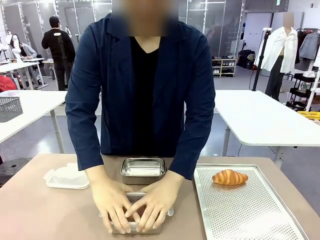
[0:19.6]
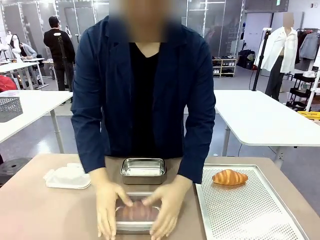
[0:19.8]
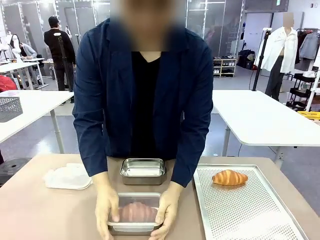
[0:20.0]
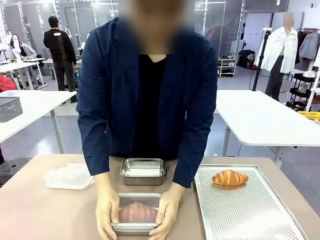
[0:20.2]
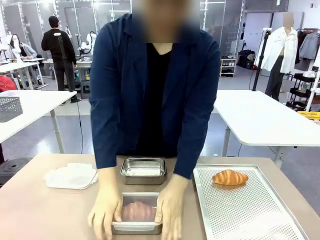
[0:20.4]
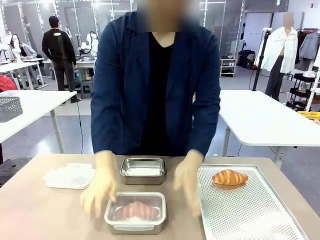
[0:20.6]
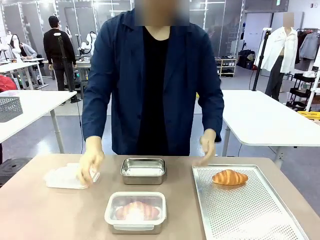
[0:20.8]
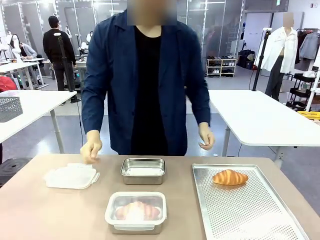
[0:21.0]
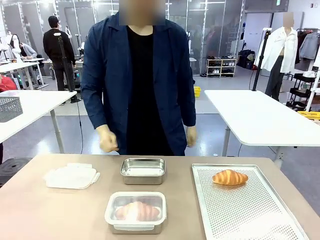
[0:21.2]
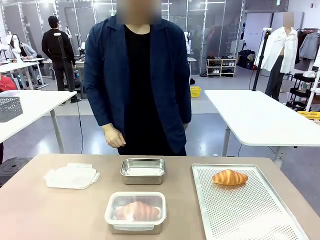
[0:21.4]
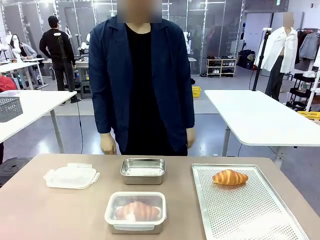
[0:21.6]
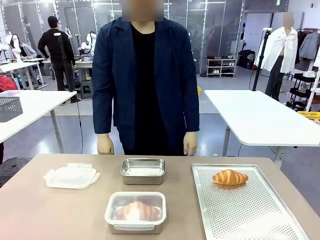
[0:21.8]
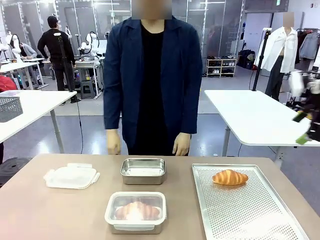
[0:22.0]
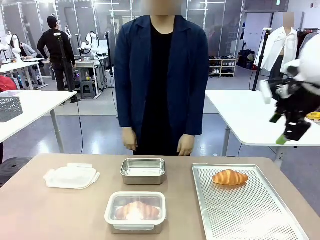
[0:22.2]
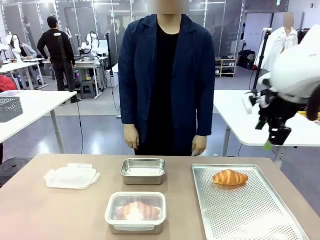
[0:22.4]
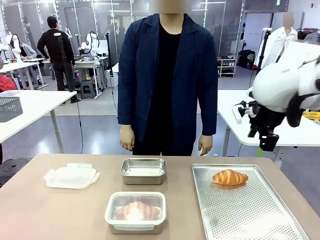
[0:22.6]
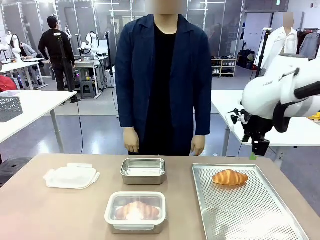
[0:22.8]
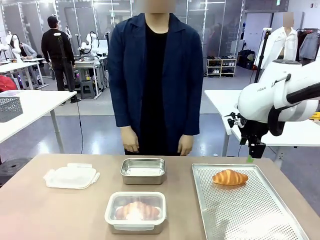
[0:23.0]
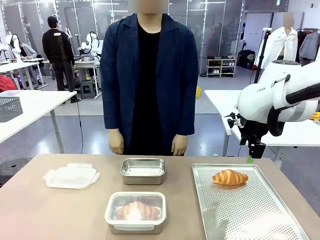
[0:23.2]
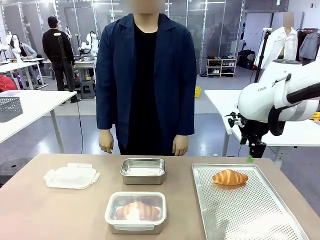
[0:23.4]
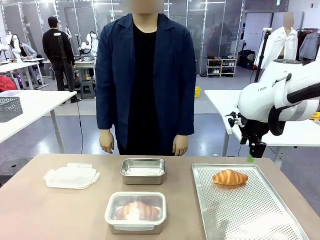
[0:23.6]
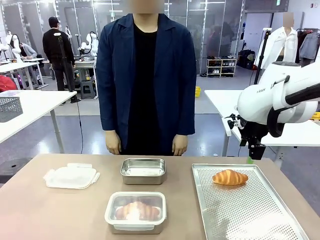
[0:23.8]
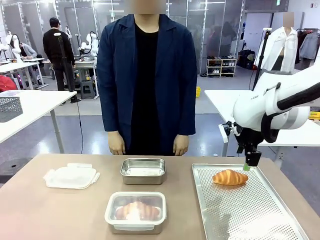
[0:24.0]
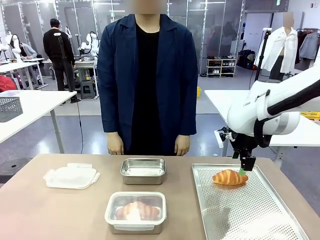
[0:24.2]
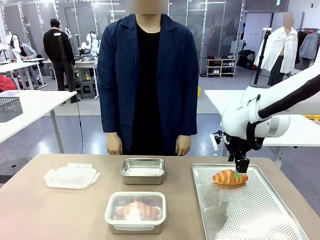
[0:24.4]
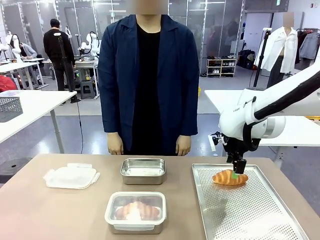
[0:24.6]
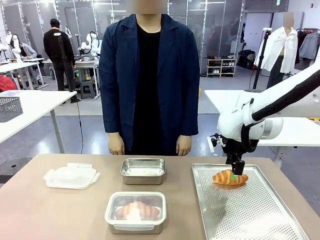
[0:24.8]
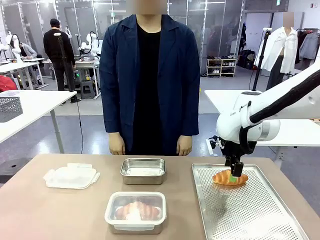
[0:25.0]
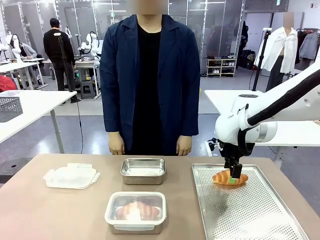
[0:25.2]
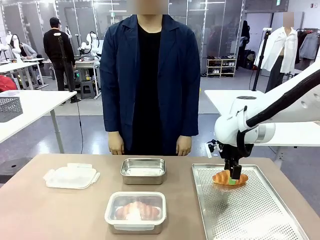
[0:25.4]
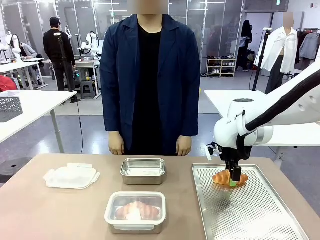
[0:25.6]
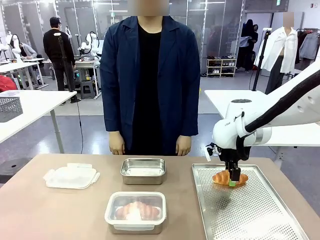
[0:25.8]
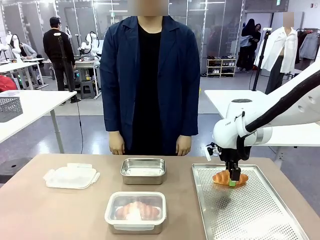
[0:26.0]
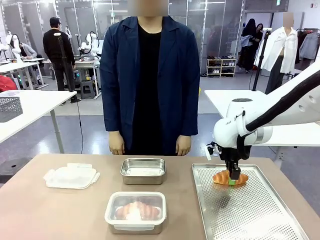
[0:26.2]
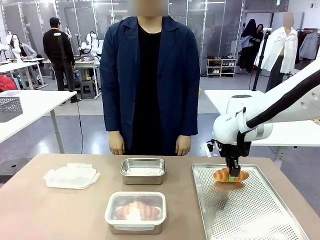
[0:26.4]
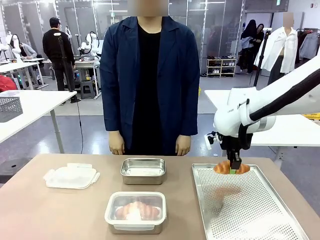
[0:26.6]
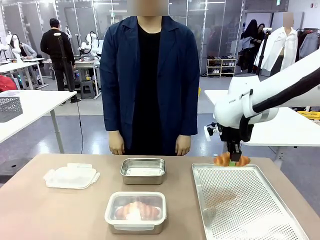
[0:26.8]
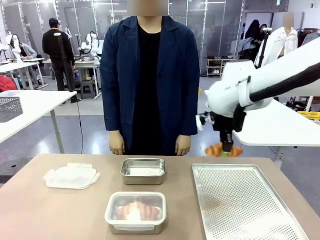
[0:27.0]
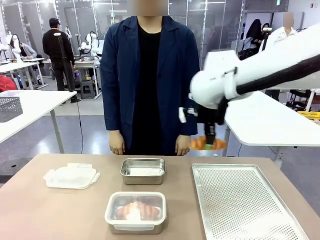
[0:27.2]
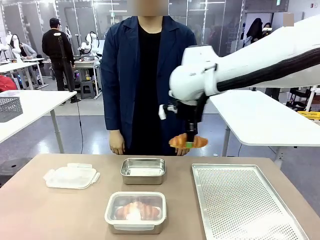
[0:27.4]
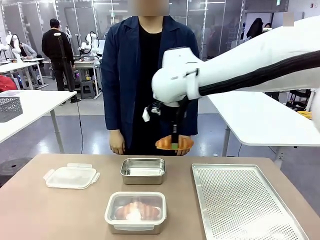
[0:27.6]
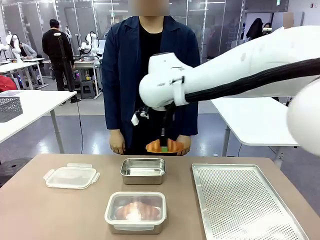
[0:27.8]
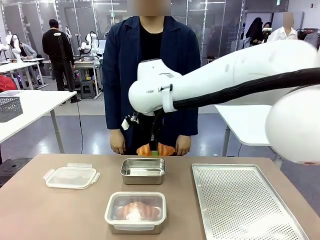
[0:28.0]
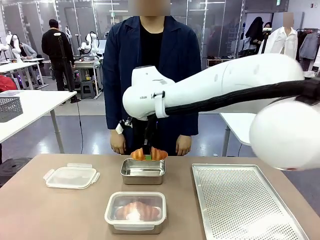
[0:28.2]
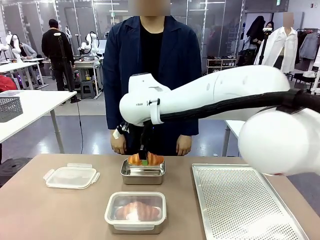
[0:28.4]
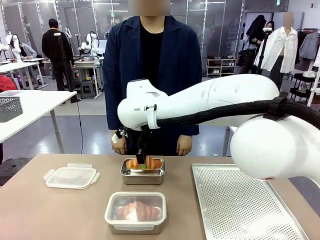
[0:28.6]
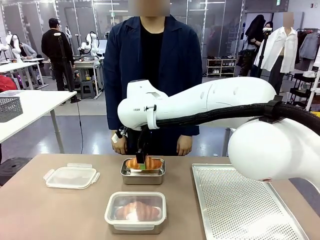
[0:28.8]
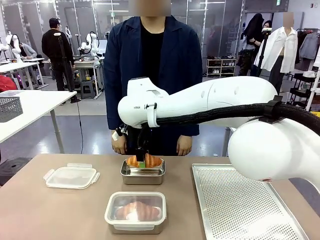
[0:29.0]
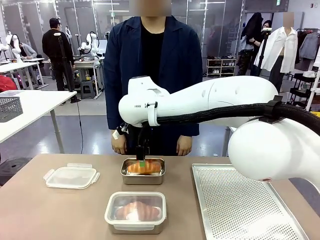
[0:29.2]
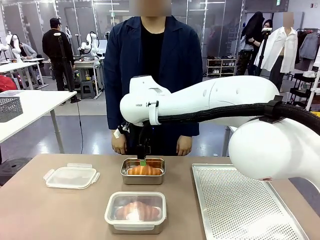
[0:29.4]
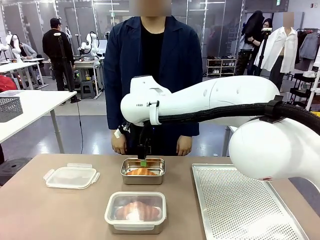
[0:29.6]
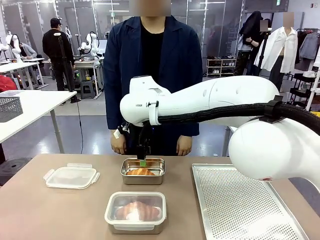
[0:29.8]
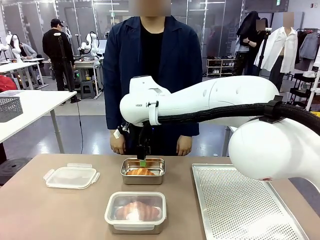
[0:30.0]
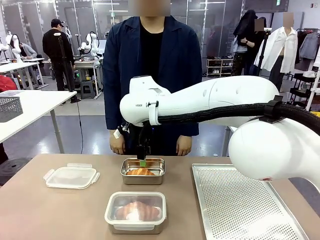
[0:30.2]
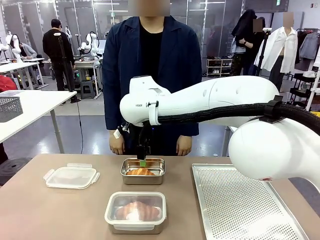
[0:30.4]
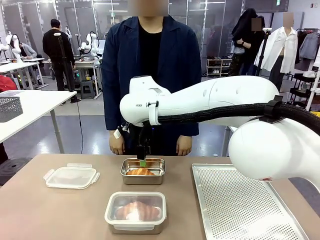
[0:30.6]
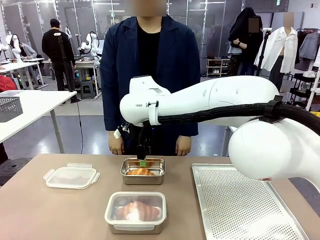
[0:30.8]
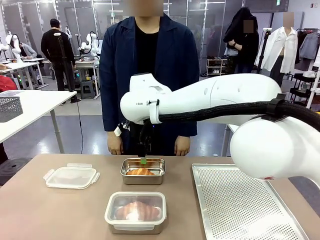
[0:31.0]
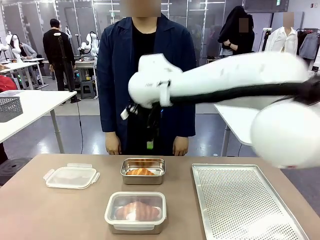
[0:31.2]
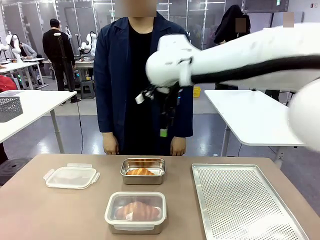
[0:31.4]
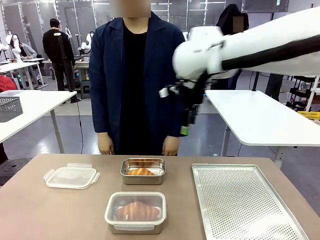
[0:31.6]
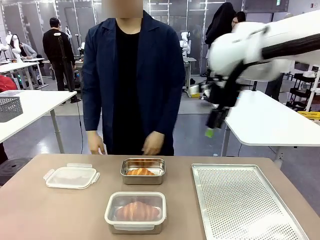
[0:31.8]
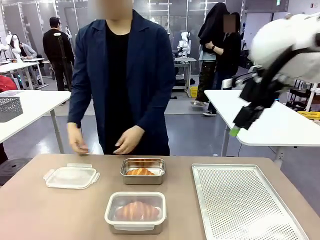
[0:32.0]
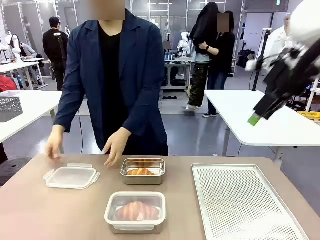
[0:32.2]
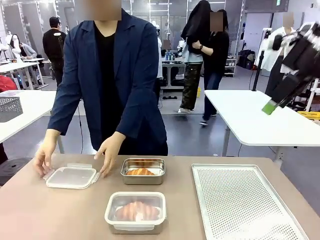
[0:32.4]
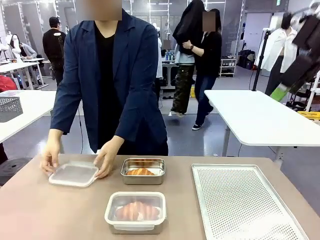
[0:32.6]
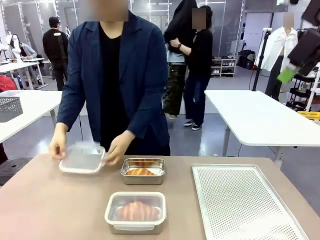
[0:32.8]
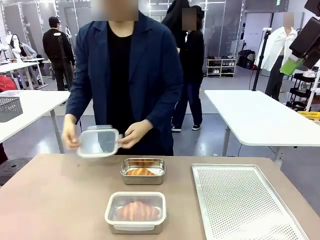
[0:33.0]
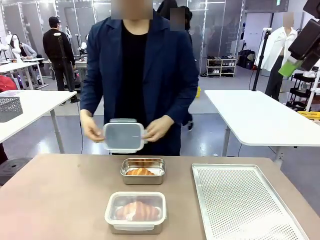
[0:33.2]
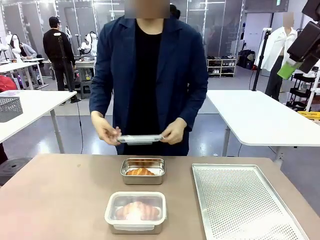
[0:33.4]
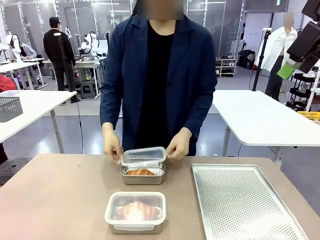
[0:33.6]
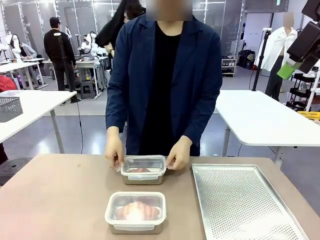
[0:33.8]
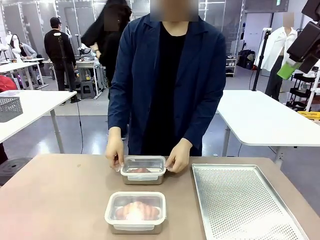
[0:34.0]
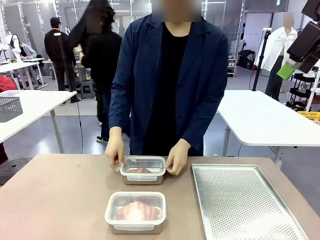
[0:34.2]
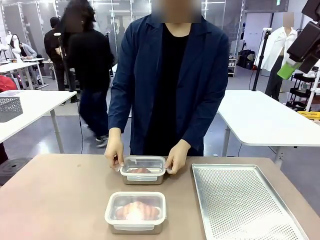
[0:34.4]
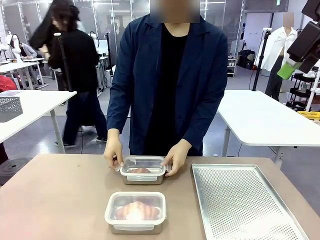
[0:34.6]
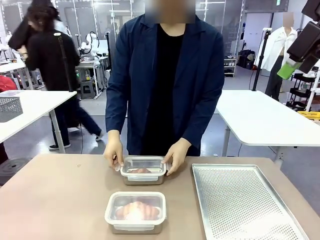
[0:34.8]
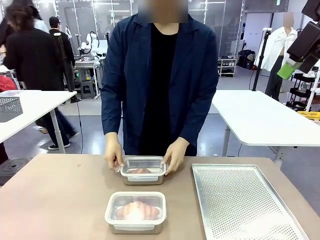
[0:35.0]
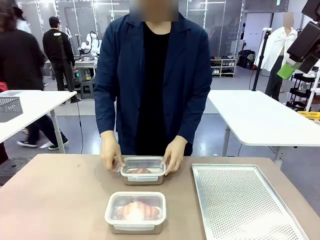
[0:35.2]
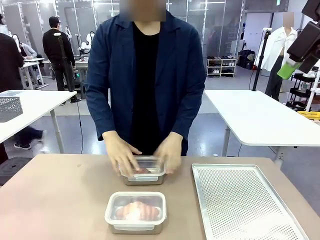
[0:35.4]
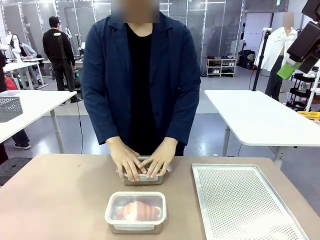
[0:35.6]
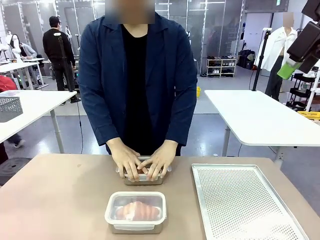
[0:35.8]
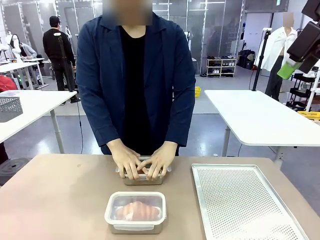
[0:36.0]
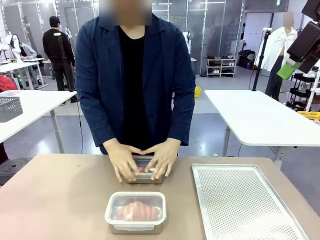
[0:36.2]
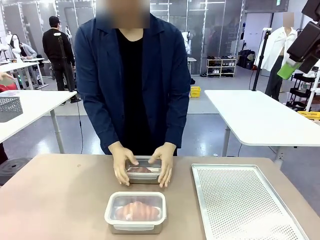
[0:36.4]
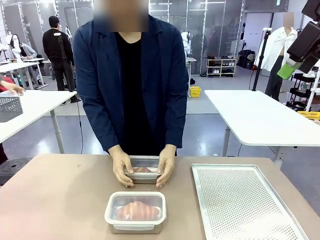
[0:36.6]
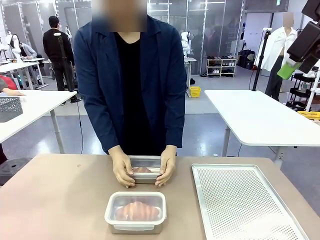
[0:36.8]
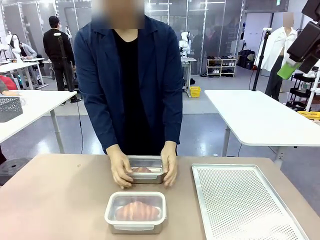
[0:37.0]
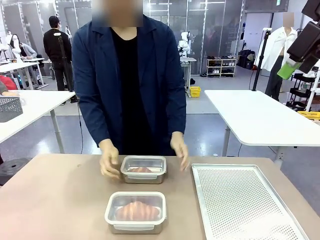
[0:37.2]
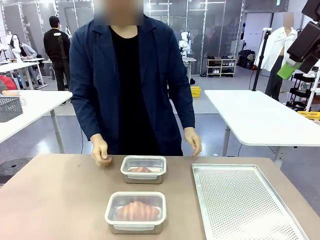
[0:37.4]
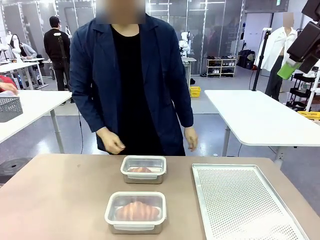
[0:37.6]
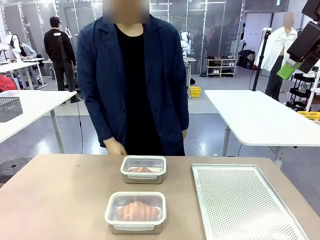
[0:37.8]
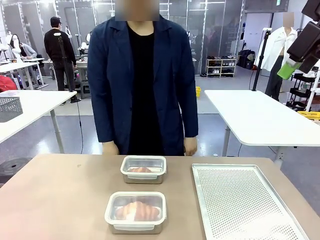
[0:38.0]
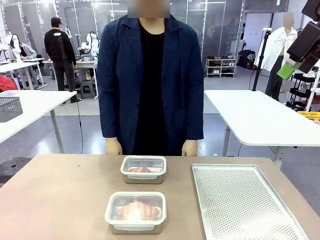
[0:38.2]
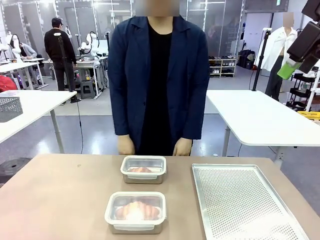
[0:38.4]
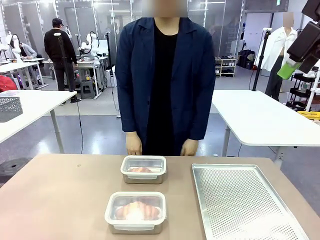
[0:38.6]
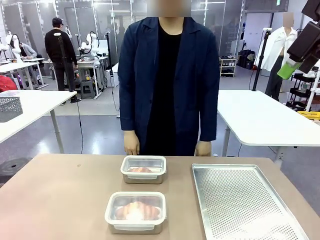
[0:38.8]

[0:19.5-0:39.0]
Task: Place the bread into the airtight container.
Robot: Pick up a Butter Roll and place it into an empty Airtight Container.
